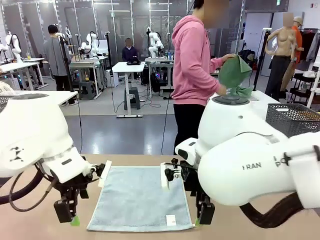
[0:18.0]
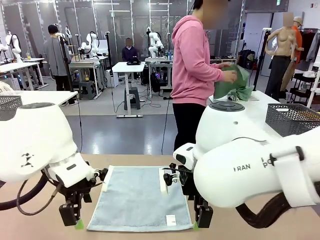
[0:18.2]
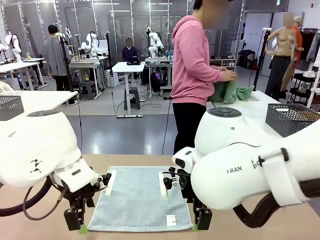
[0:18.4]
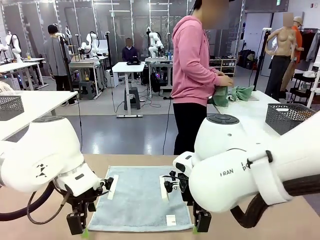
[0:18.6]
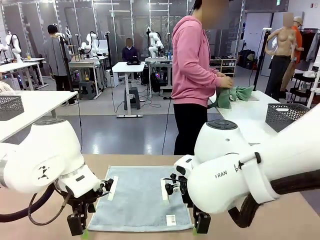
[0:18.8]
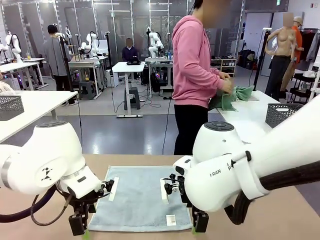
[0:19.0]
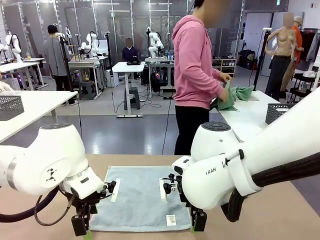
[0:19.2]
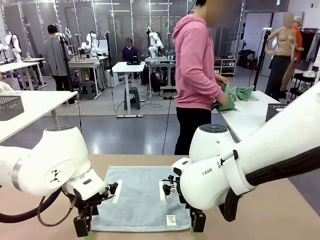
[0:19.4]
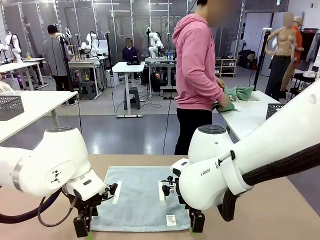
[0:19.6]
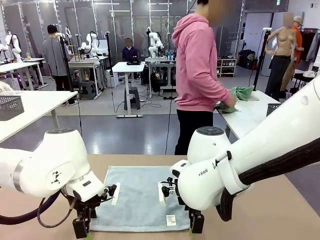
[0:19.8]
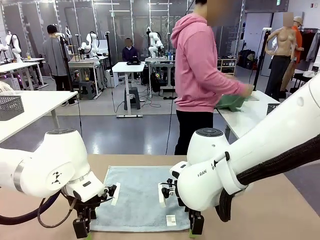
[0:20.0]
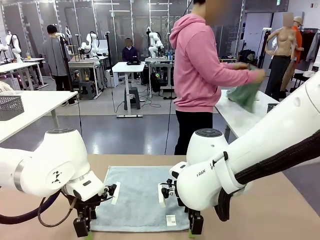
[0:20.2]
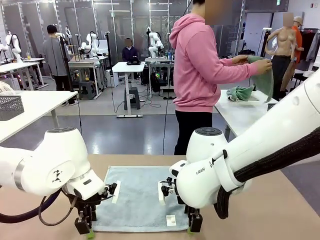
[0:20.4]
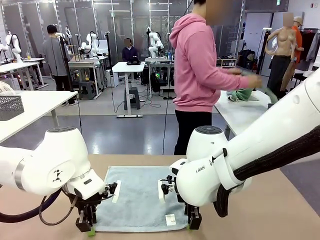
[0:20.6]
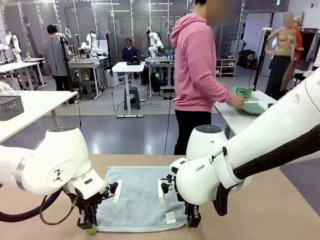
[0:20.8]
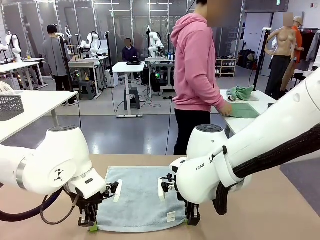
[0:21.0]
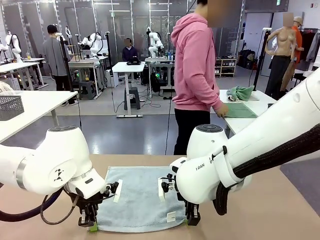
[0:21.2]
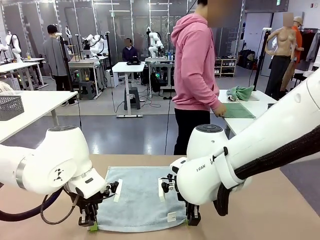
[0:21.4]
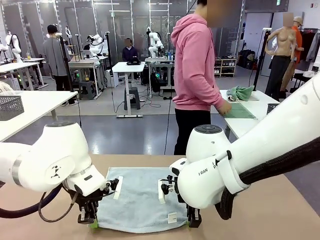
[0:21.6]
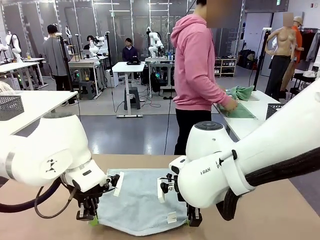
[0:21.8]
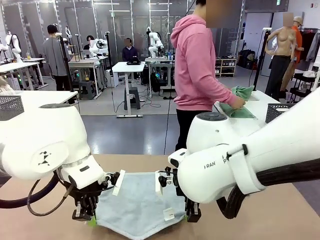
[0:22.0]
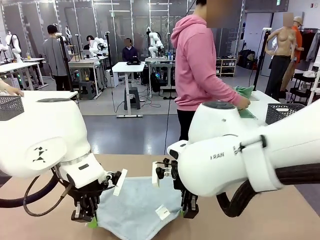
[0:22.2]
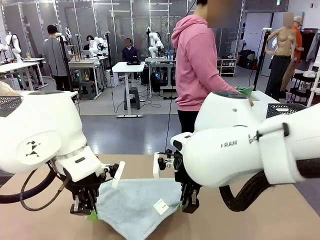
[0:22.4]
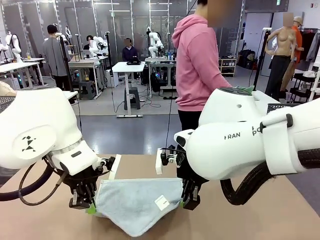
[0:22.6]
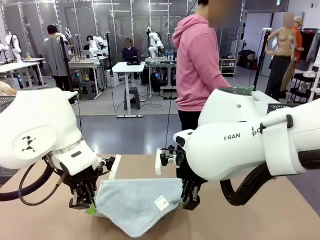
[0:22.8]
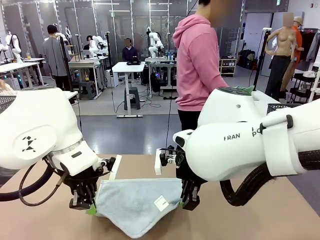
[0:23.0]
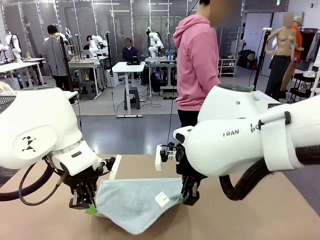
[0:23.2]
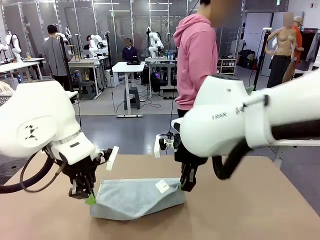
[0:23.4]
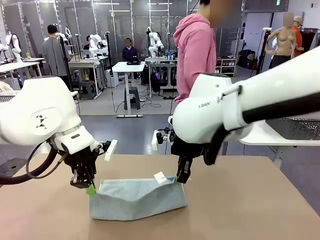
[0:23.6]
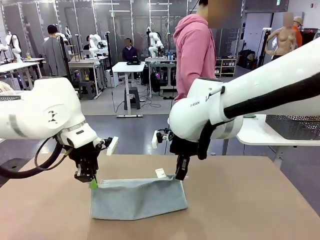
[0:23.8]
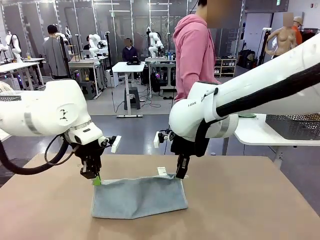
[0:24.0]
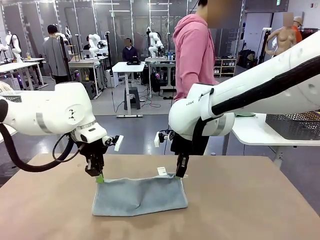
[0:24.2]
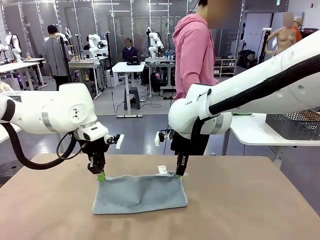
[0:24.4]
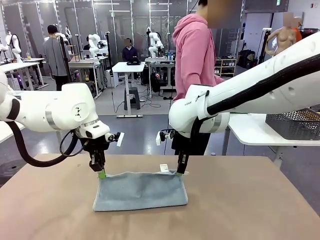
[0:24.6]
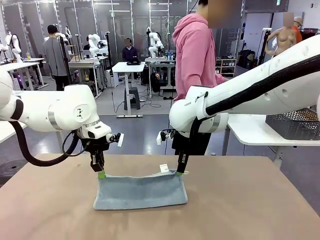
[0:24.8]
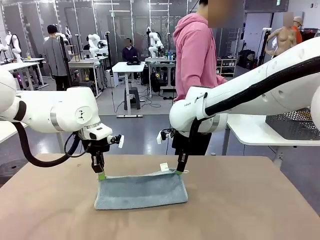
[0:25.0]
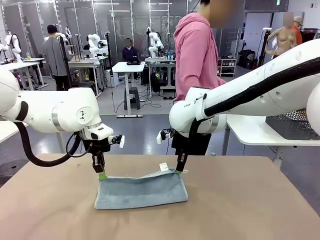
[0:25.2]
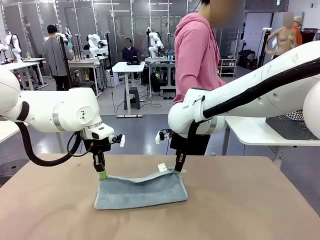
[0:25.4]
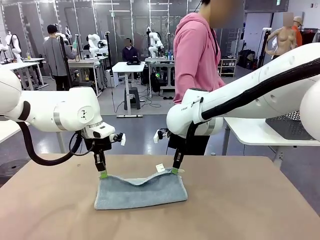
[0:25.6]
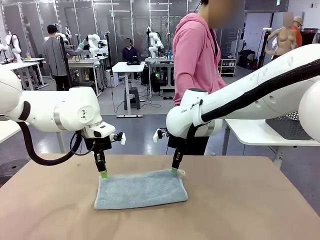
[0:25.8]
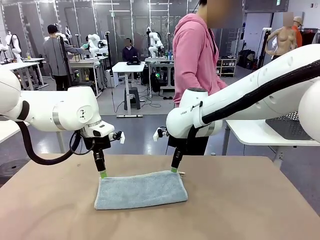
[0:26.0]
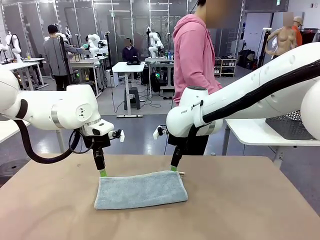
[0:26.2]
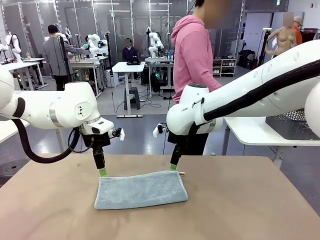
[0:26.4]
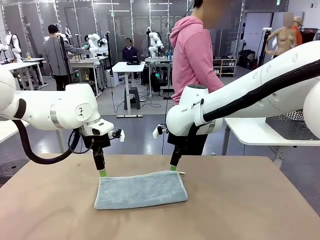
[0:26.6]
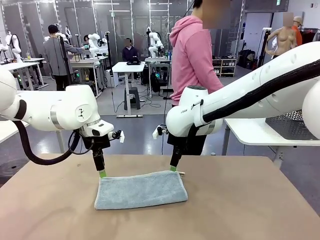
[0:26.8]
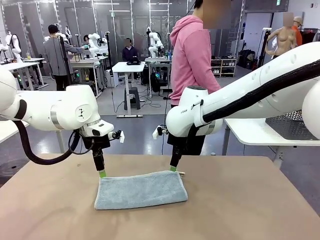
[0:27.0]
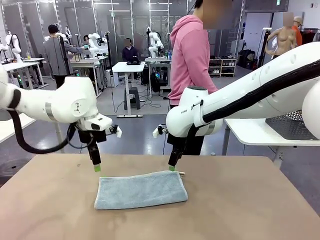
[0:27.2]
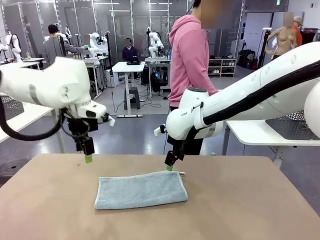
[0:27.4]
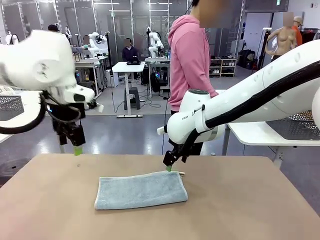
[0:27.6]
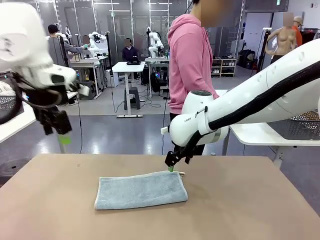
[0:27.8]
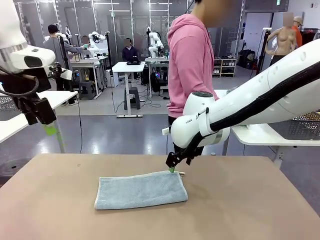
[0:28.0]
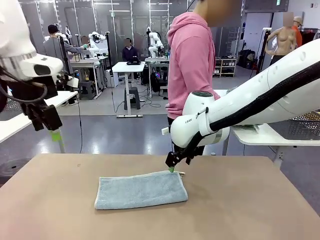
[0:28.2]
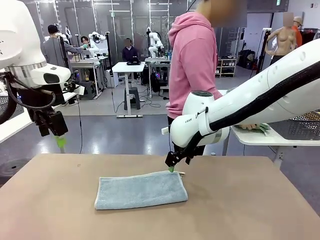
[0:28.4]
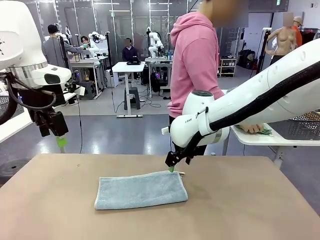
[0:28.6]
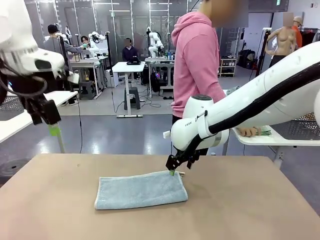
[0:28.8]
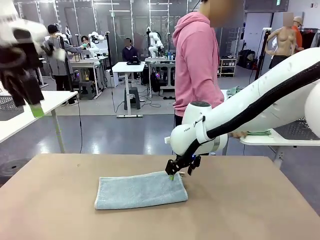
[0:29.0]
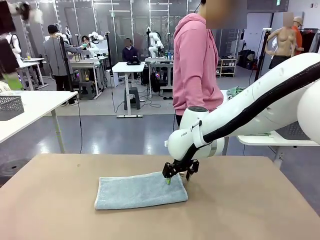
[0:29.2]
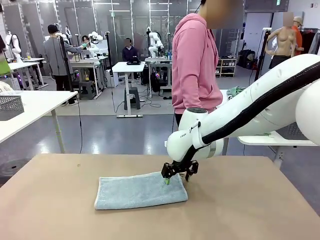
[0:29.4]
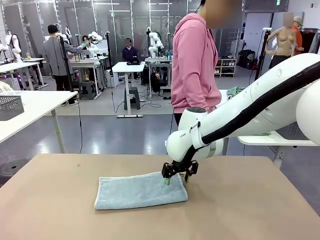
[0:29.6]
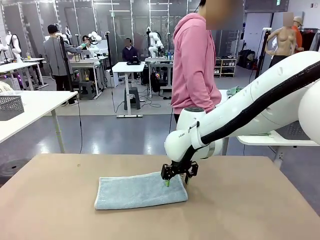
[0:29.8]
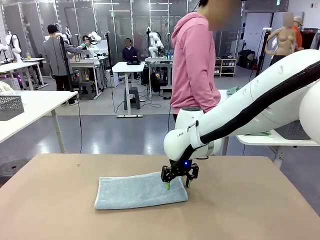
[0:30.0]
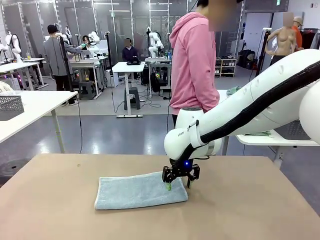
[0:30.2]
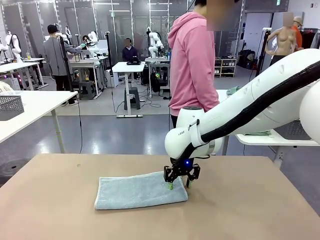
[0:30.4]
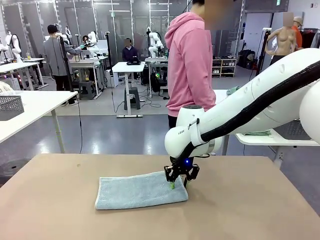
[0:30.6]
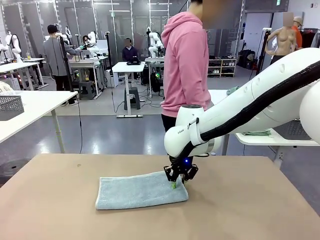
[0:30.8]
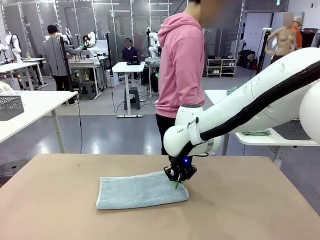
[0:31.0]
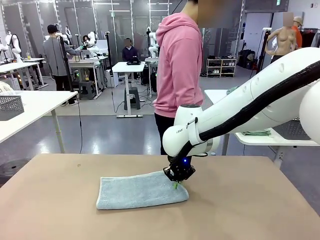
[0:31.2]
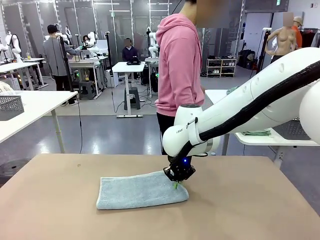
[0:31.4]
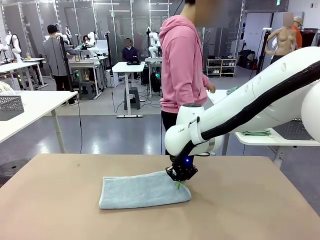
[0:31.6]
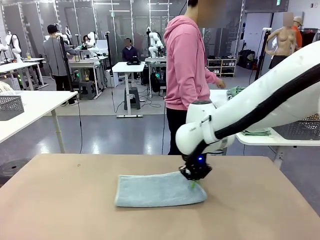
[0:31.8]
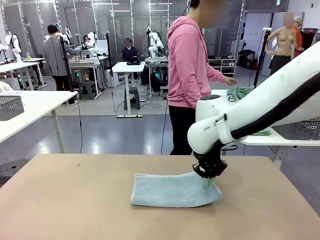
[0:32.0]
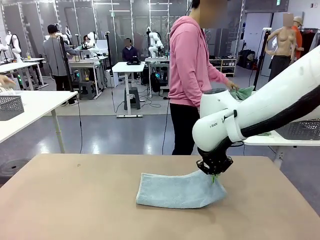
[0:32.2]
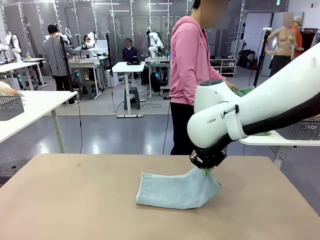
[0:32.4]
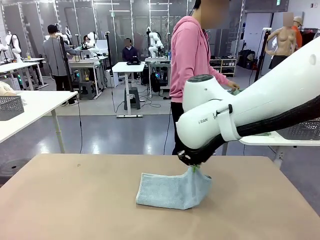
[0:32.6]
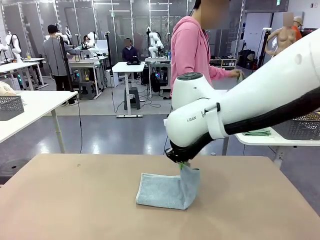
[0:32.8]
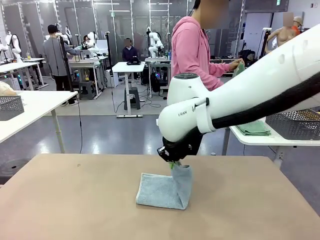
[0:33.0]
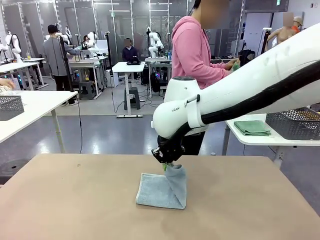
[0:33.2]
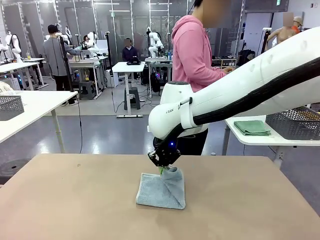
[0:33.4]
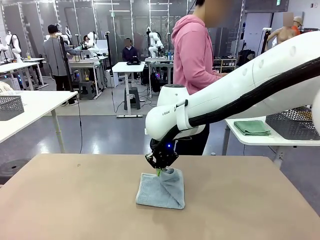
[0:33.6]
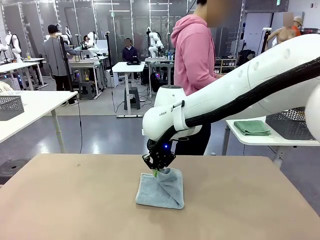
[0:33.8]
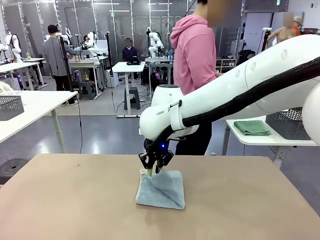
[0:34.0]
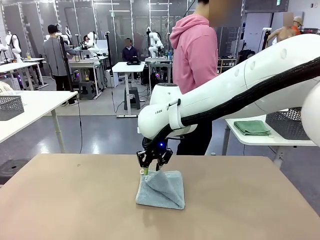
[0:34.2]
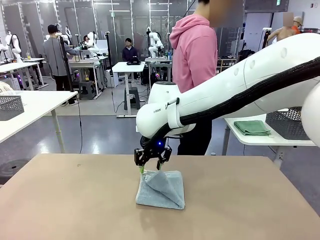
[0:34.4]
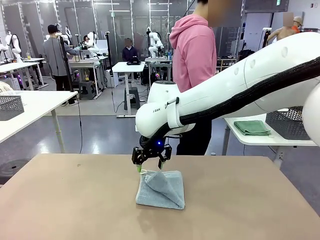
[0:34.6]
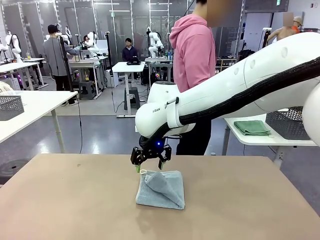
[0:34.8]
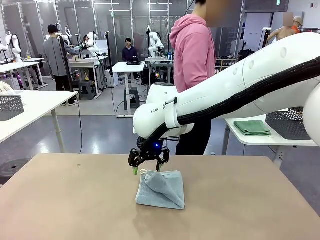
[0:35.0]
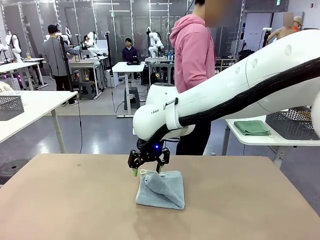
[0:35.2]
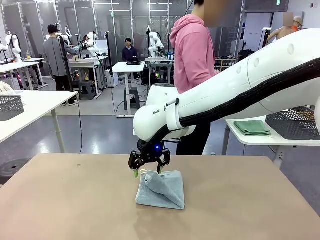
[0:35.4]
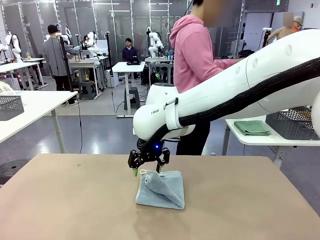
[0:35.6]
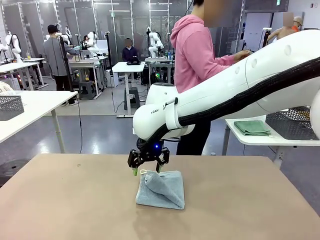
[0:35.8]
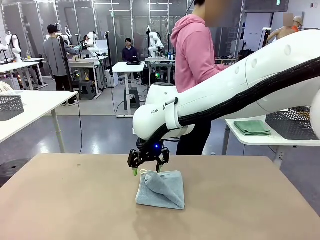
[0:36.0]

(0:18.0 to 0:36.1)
Task: Fold the towels and place them in the basket.
Robot: When a person lays out a Towel with hook on the table, fold it in half twice.
Person: Pick up one towel from the left side of the human table, fold it in half twice, and place it on the right side of the table.
